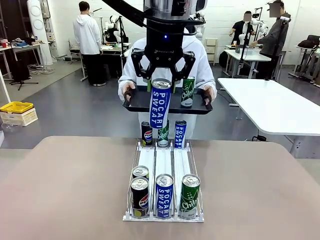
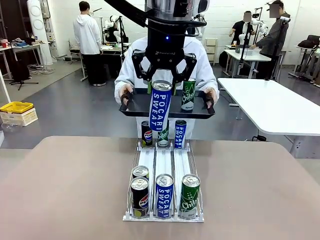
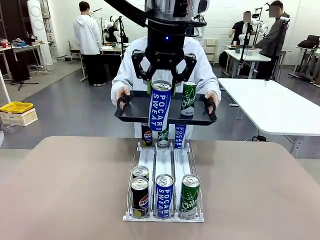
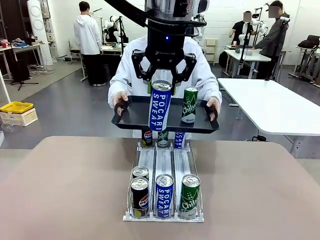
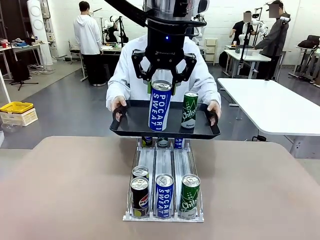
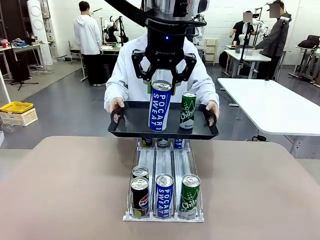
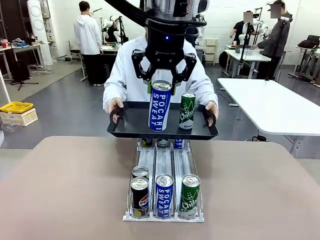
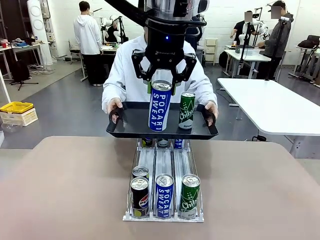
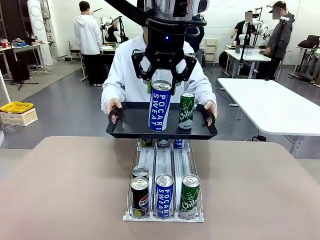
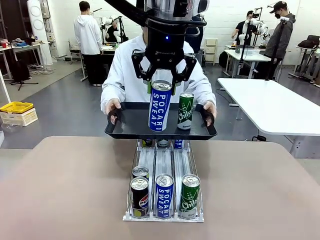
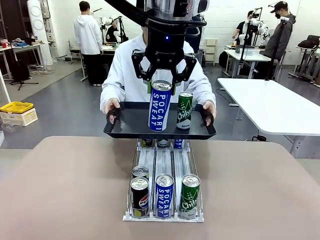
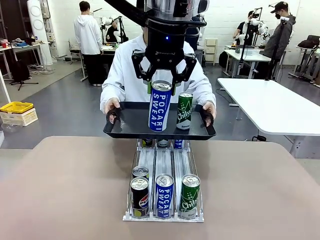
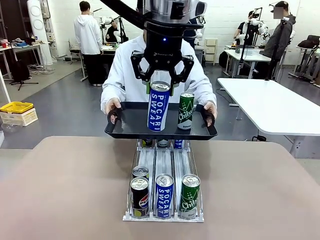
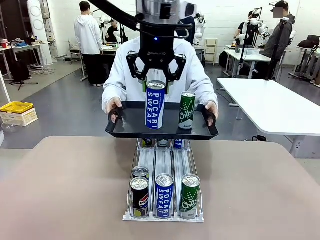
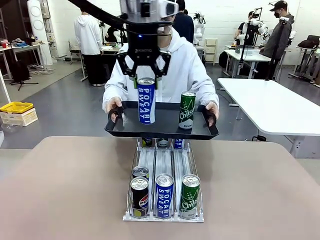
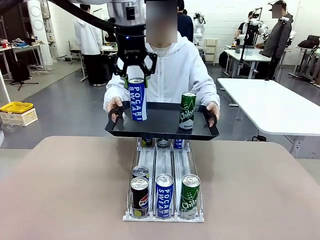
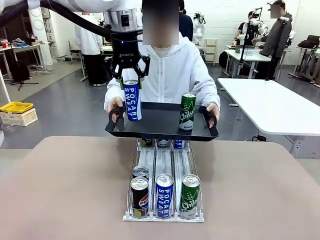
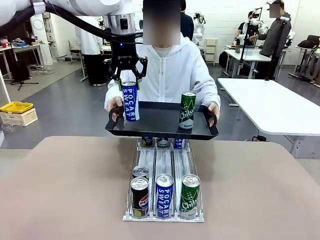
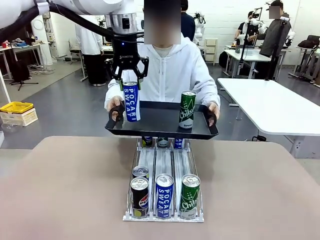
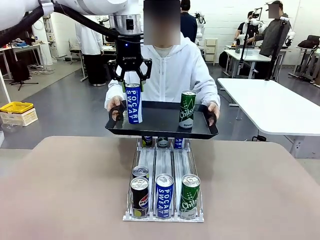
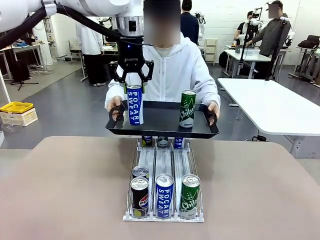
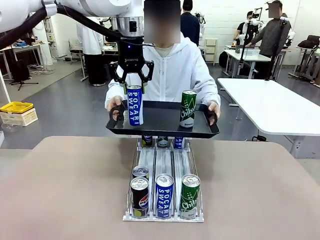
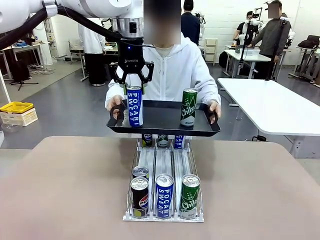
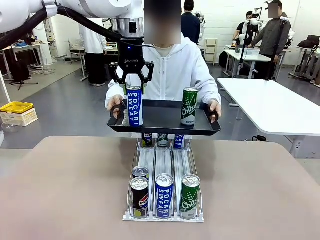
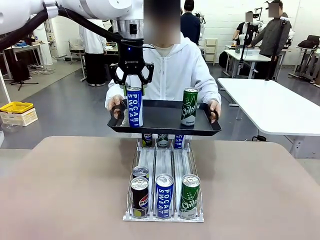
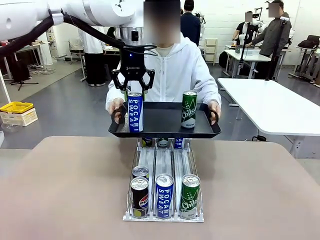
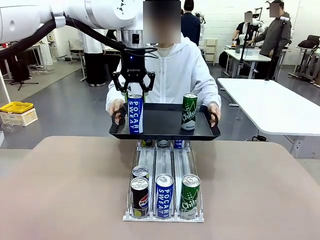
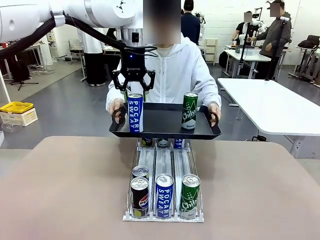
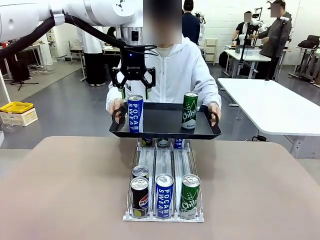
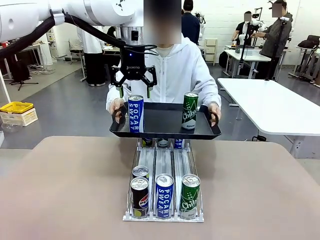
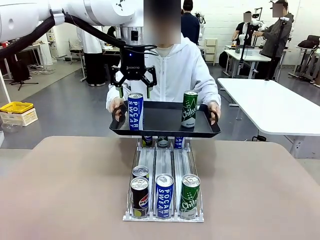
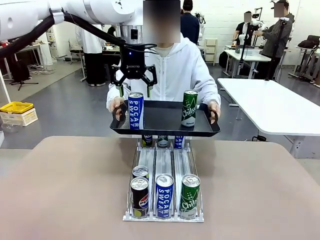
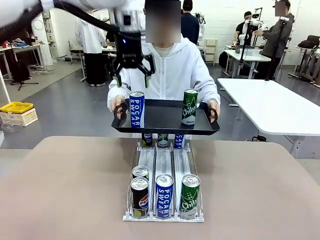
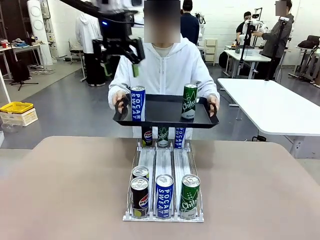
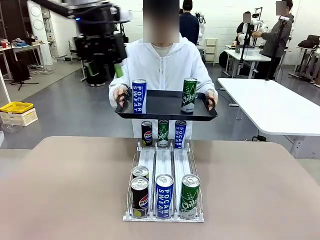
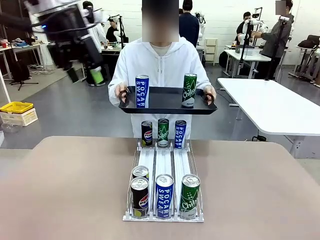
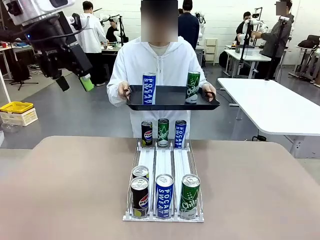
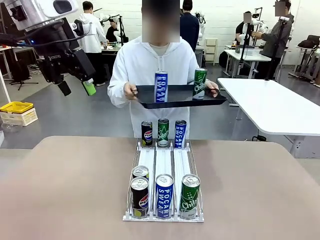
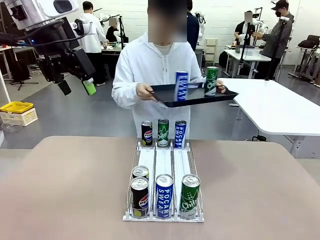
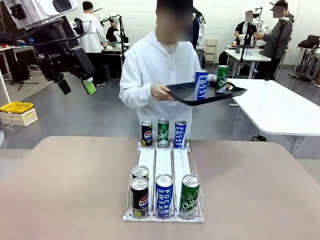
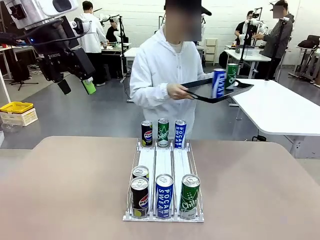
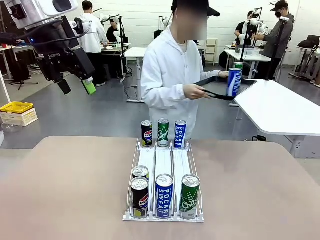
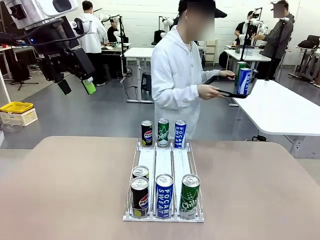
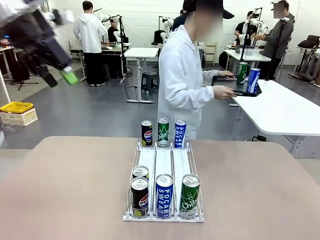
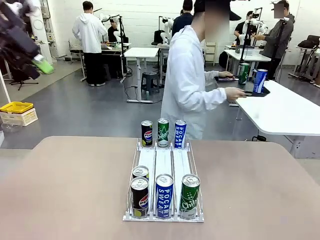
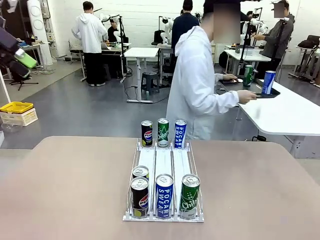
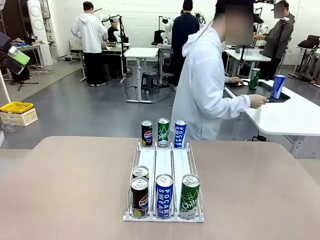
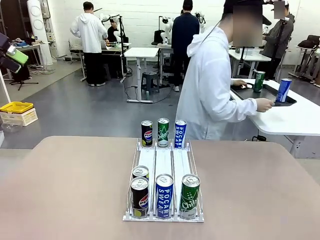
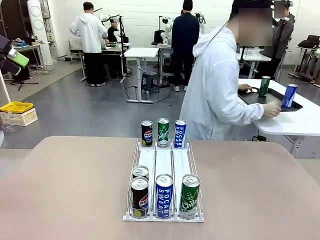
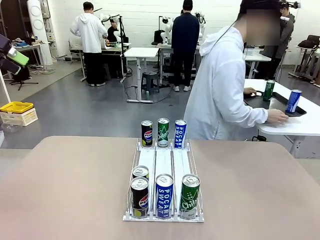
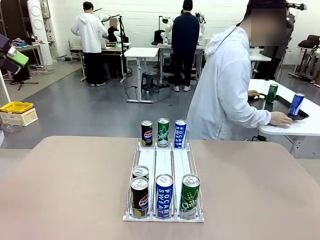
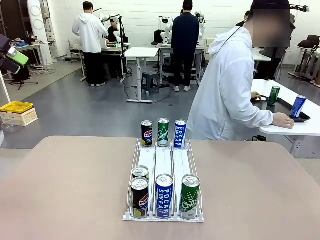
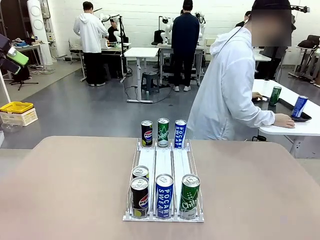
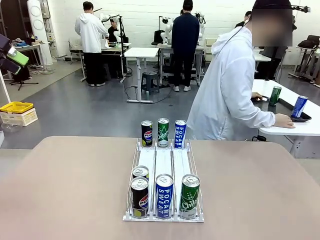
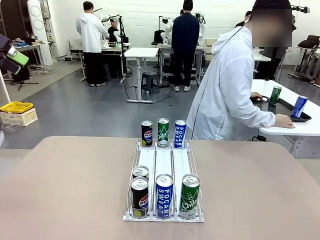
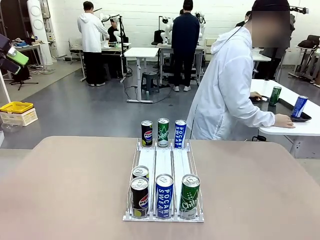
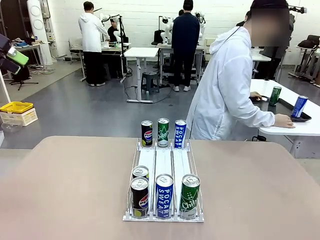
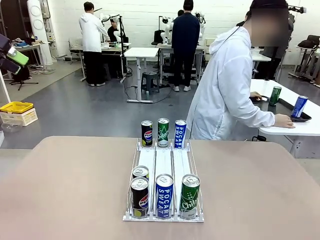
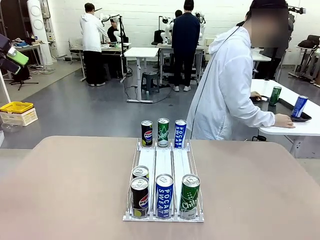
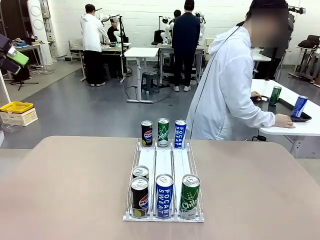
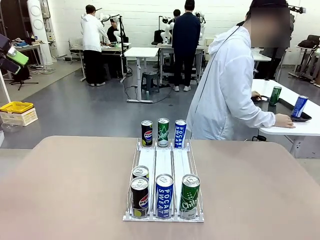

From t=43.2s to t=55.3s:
Task: Retrieve and hand over the desired beverage to the person.
Robot: Place the picked can on the Handle tray extended by the person.
Person: Pull the tray back and place it at the center of the human table.

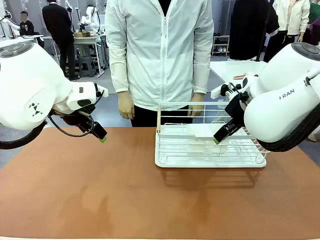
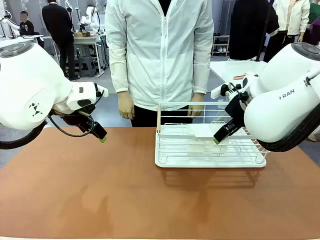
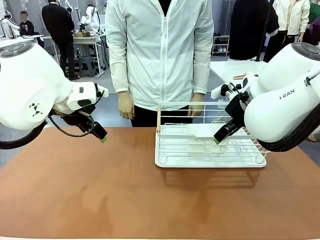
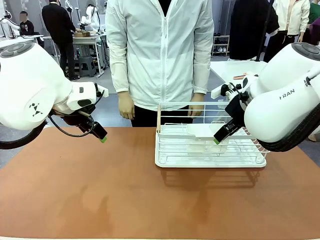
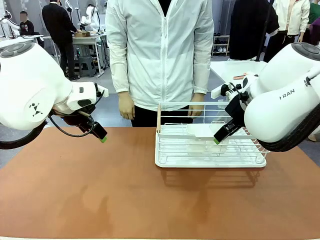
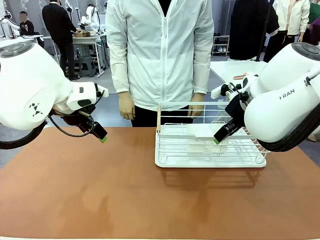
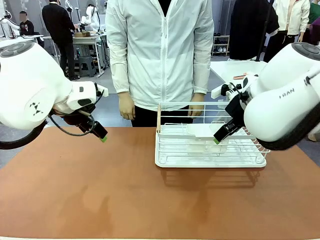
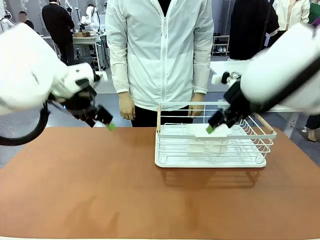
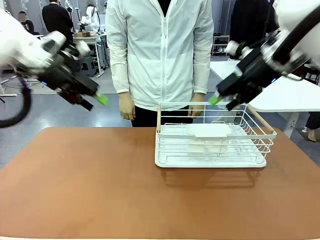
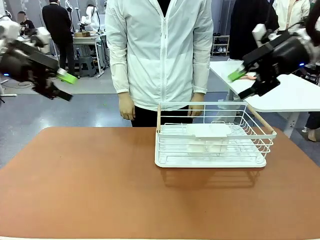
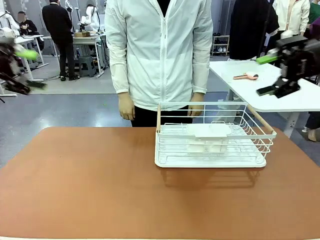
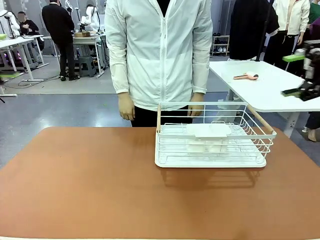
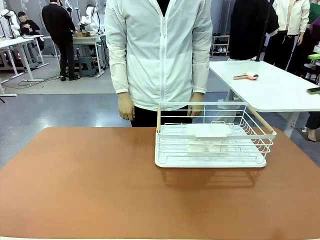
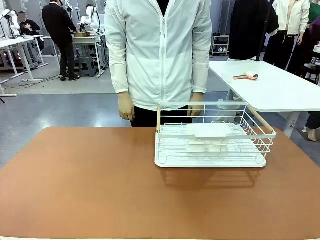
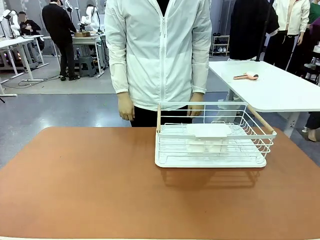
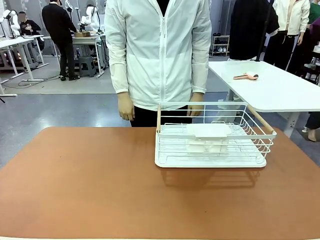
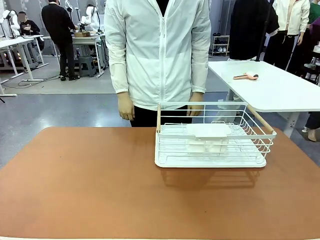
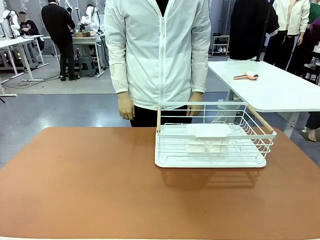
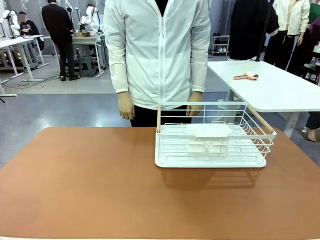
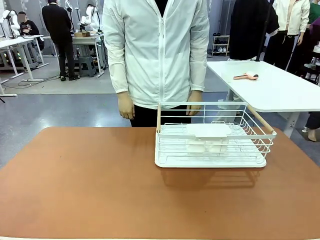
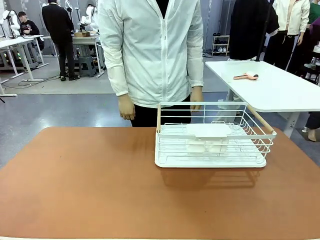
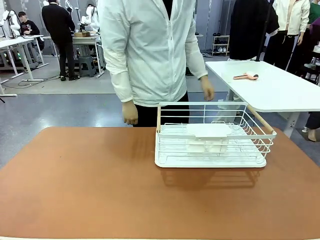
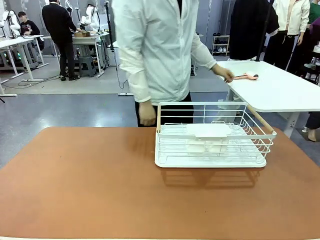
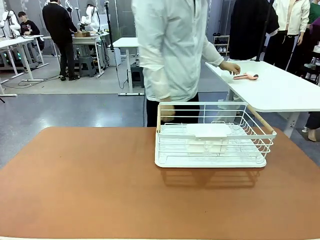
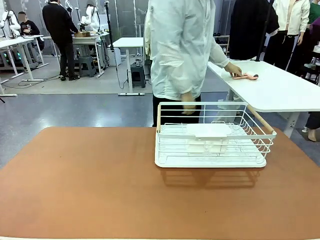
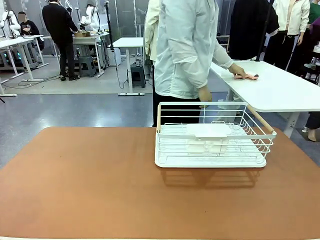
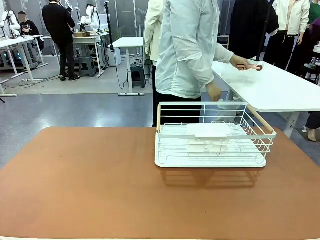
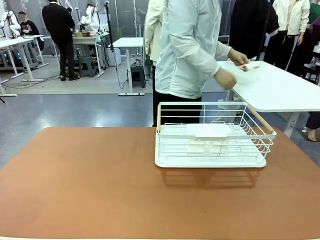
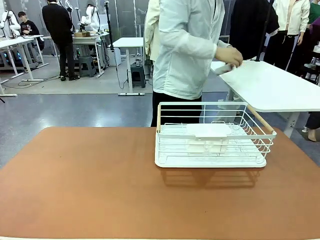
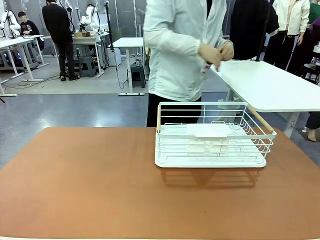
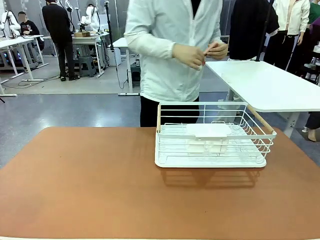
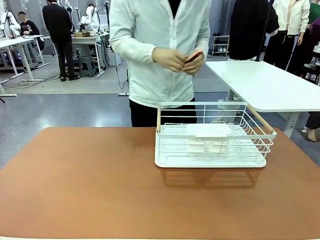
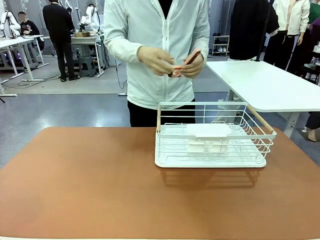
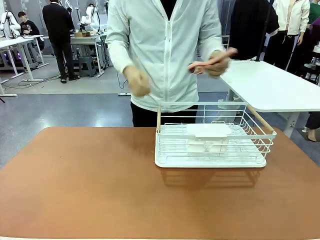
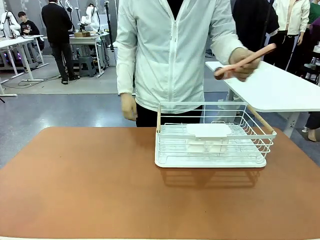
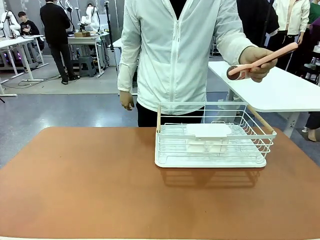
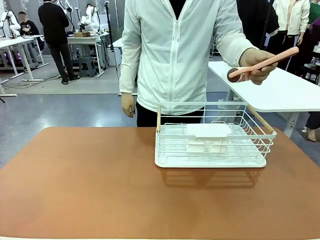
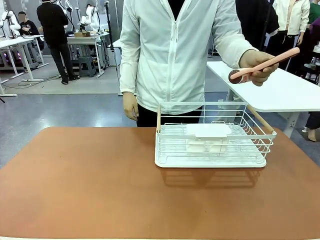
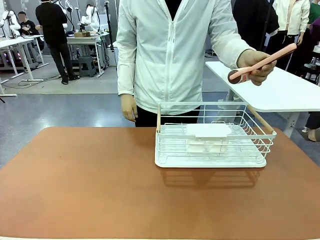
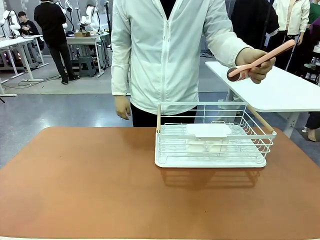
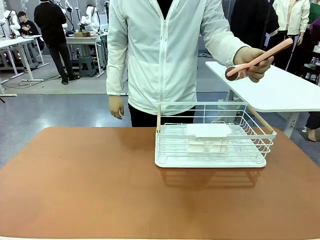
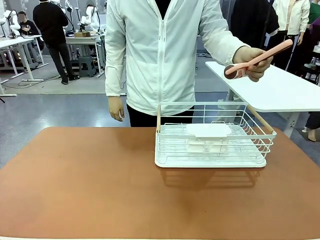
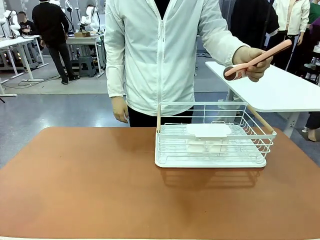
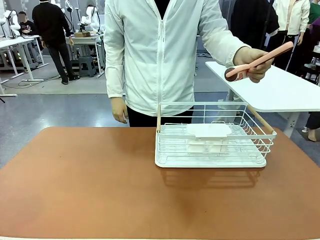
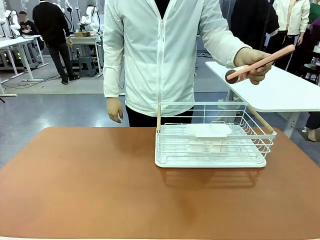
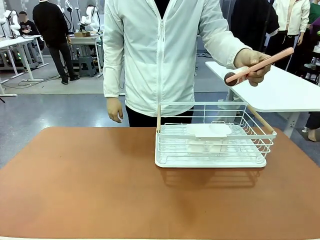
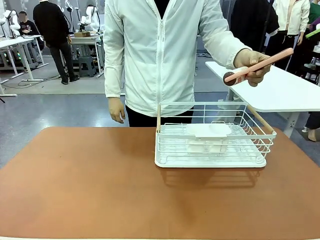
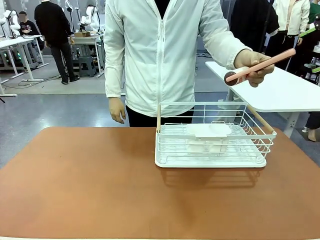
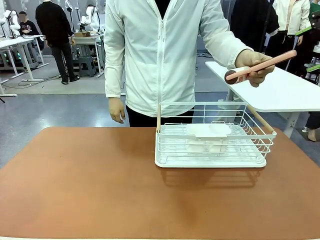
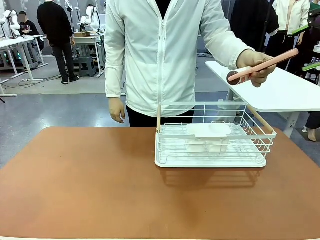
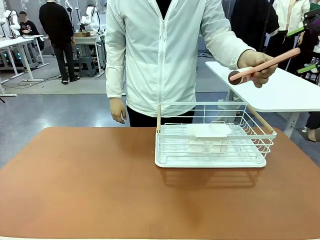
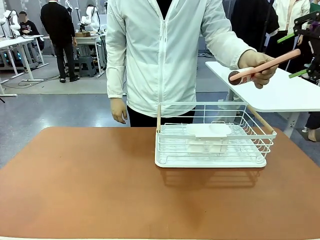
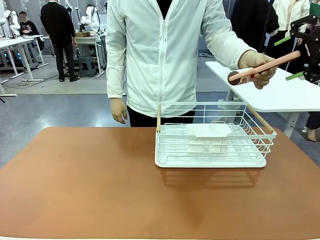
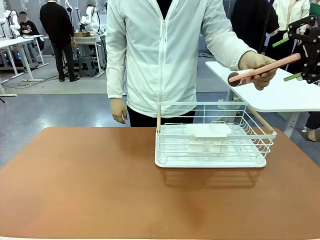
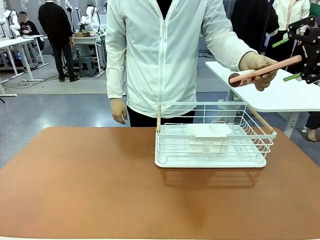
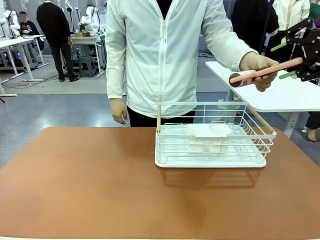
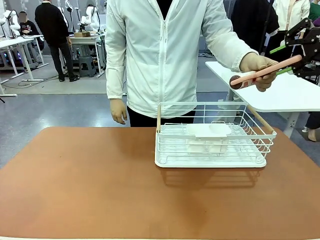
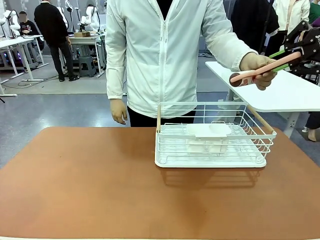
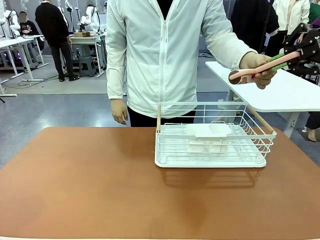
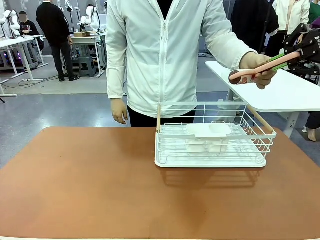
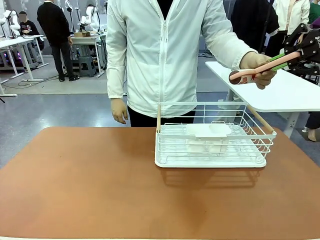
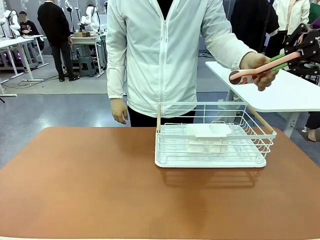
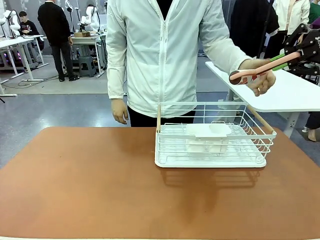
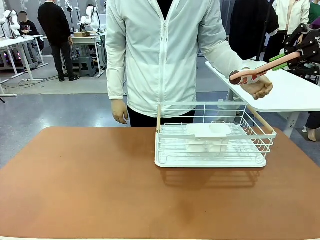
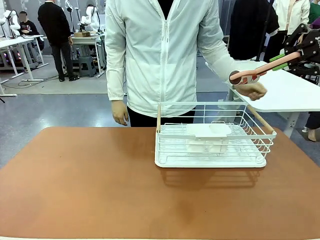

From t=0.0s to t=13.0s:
Task: Clean the table.
Robot: Pick up the Lint Roller when the human hands it over.
Person: Hand the Lint Roller to the robot so it can easily pick it up. Lift the Dish drying rack.
